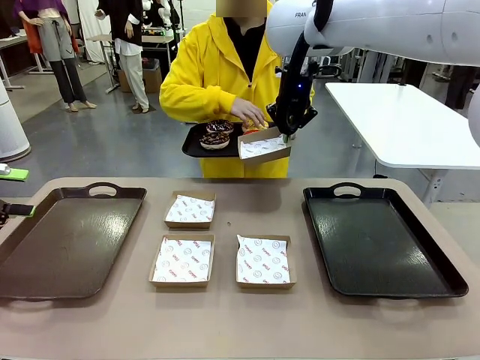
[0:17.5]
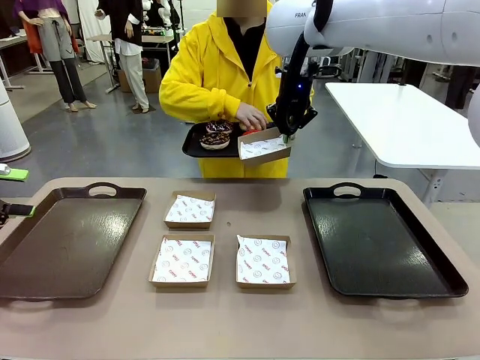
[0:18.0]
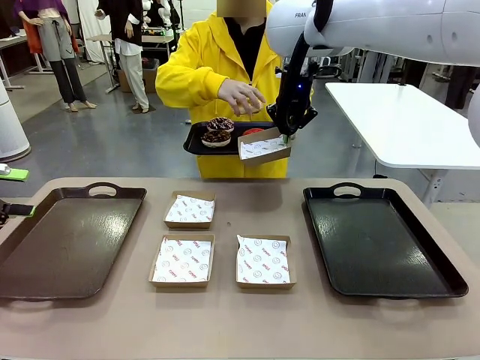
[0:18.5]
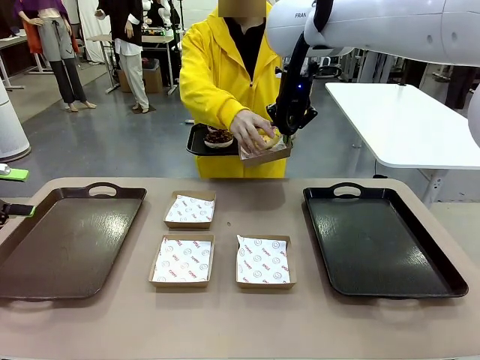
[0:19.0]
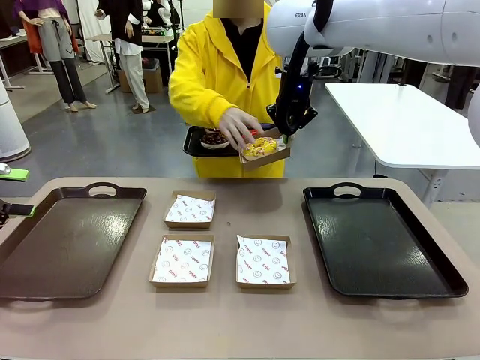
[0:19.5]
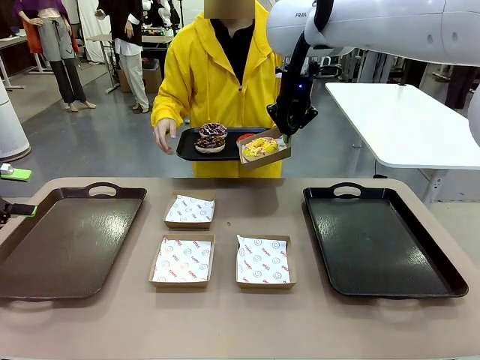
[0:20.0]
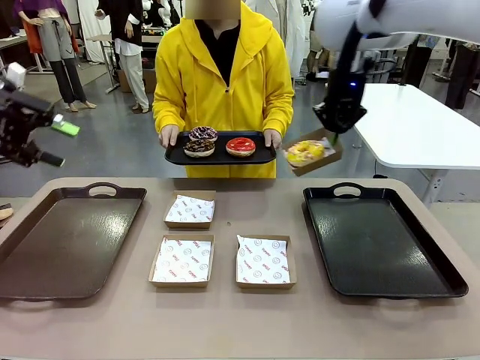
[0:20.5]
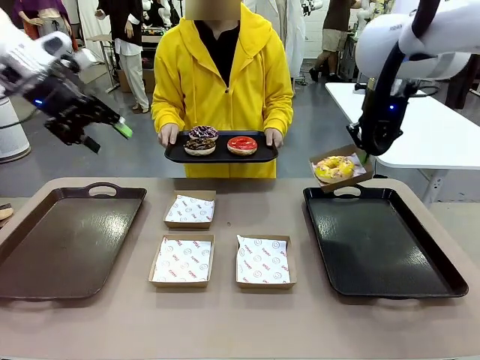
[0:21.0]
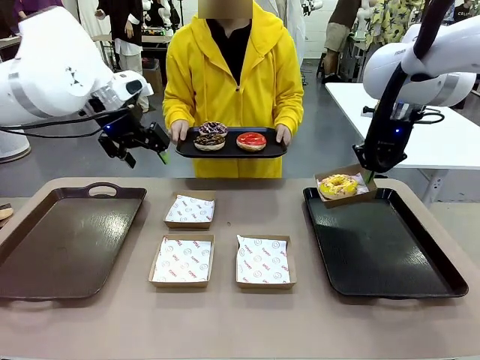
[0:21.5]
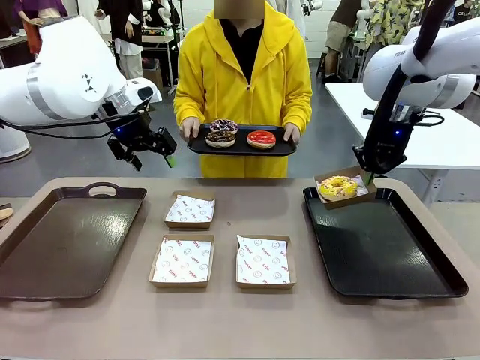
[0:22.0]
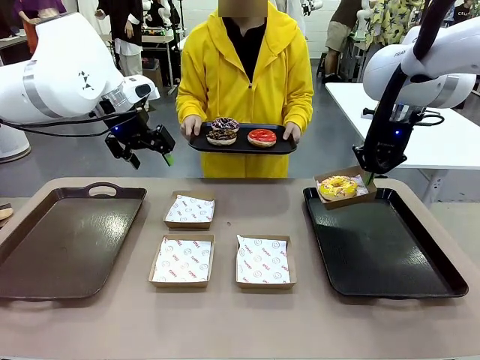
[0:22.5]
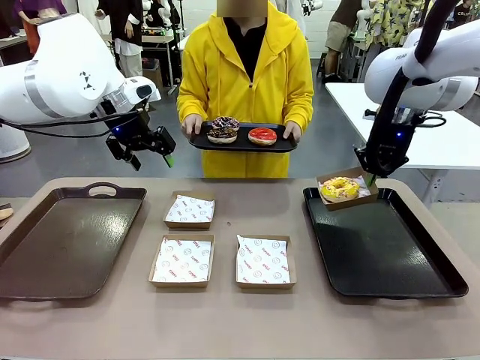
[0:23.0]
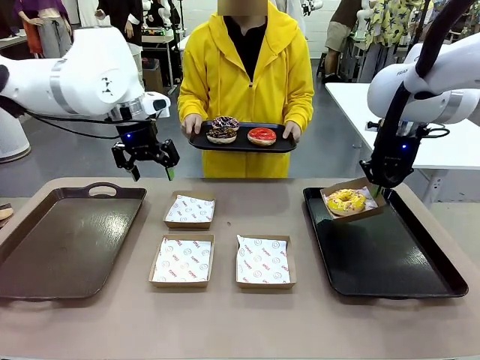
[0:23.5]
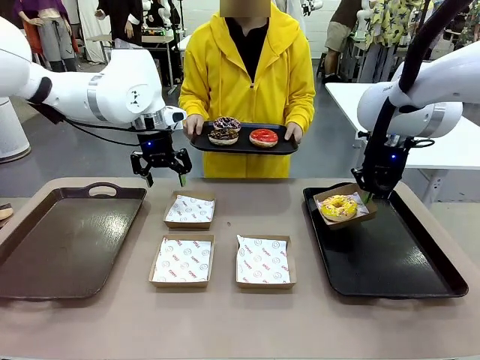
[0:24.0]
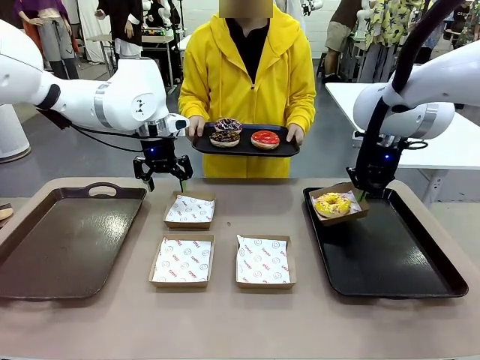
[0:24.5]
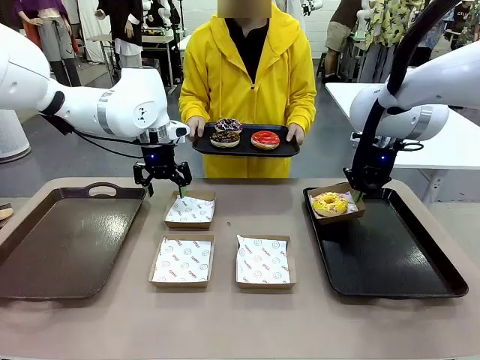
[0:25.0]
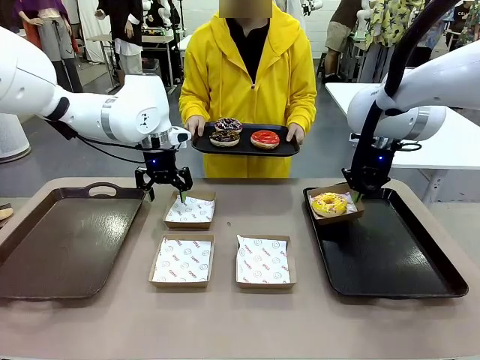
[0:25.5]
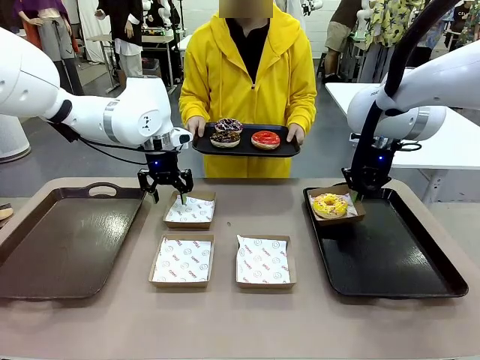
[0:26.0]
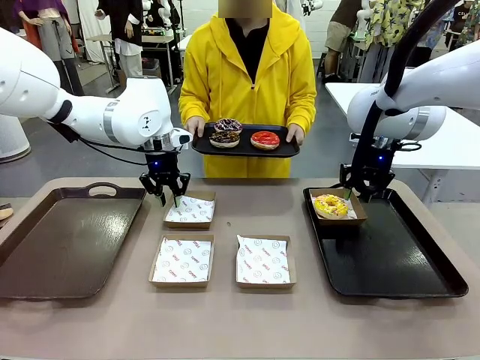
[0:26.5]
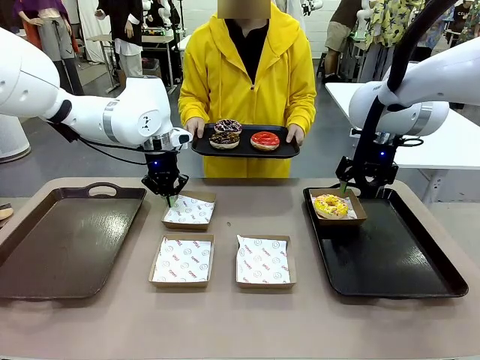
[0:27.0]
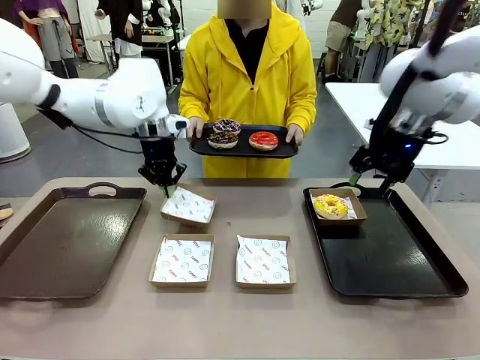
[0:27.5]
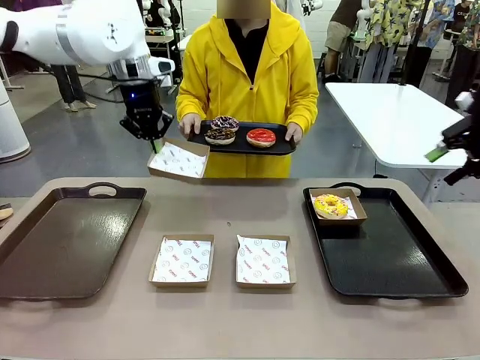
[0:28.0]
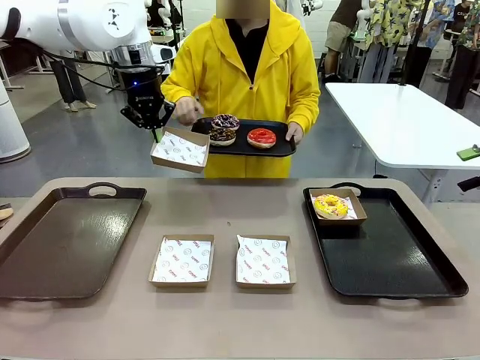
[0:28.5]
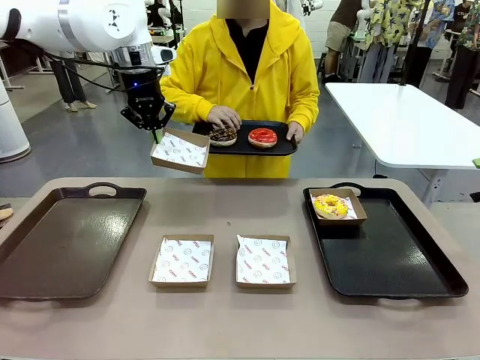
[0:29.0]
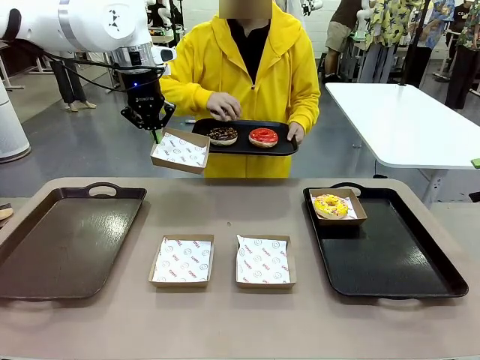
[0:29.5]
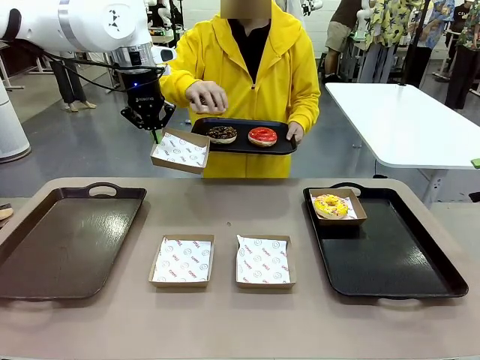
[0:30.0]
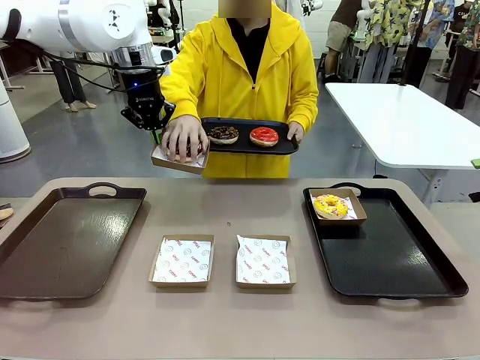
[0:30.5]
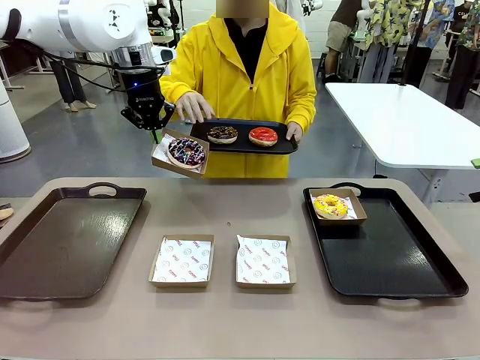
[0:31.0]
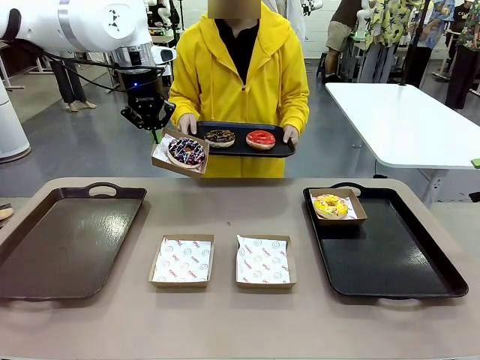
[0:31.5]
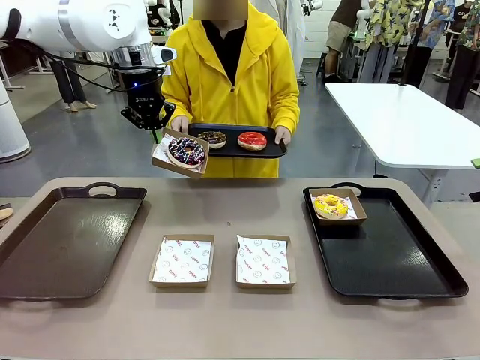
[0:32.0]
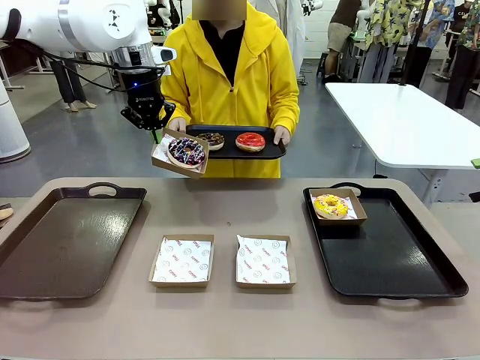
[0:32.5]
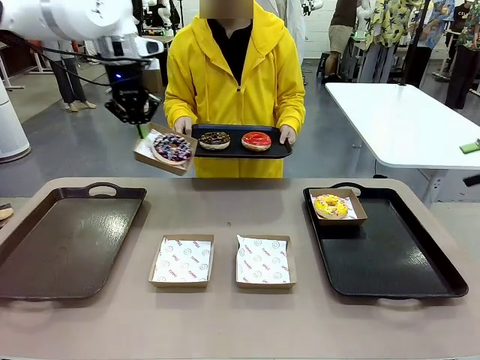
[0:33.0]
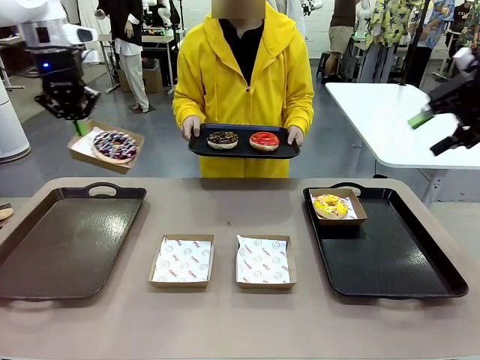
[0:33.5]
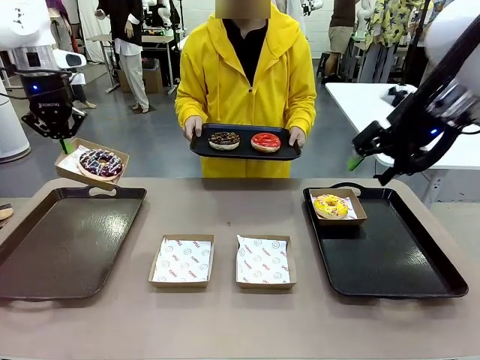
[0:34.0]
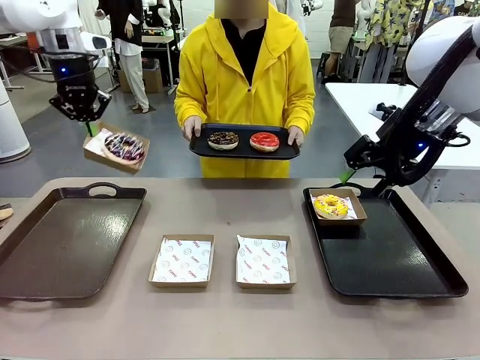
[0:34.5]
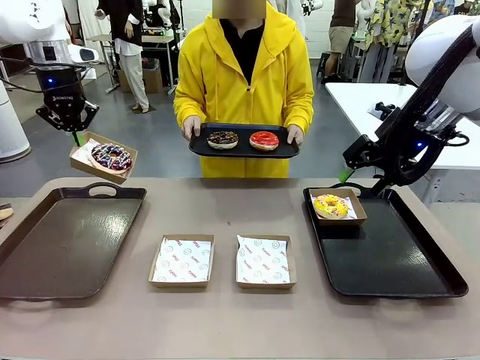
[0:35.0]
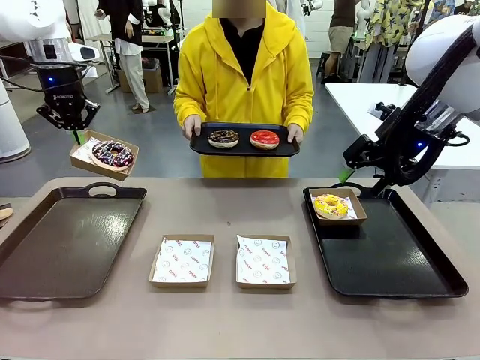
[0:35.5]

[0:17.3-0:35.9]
Task: Individually package the donuts and arrange them on the tray.
Robot: Place the picked Paper togo box on the Handle tray while simultaneously picking up another Paper togo box from the table with the other hand.
